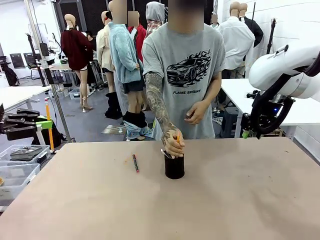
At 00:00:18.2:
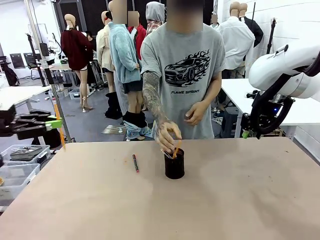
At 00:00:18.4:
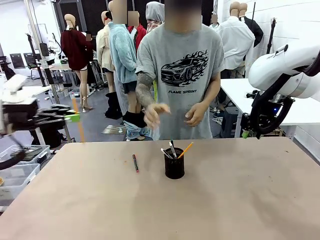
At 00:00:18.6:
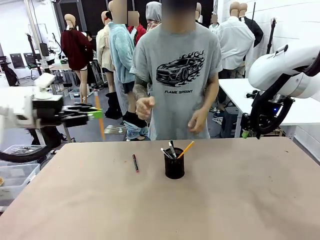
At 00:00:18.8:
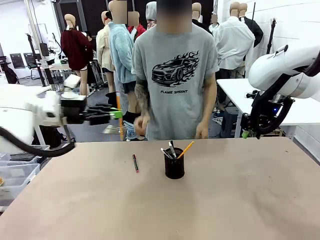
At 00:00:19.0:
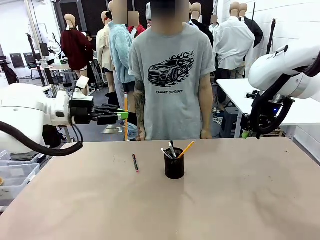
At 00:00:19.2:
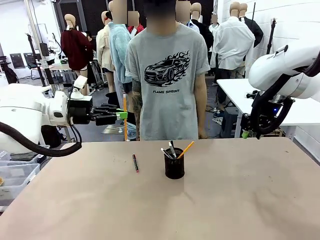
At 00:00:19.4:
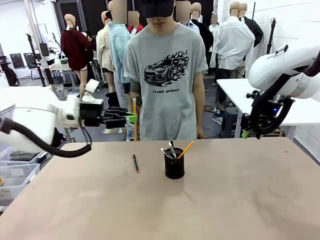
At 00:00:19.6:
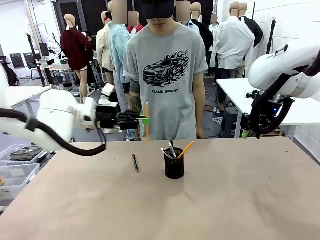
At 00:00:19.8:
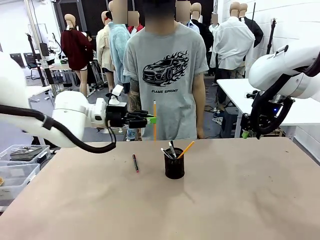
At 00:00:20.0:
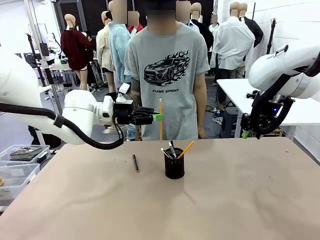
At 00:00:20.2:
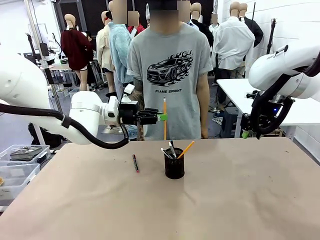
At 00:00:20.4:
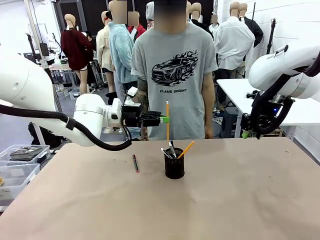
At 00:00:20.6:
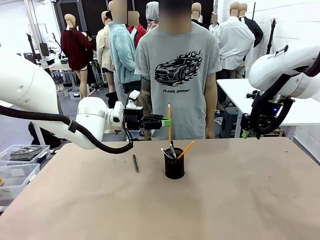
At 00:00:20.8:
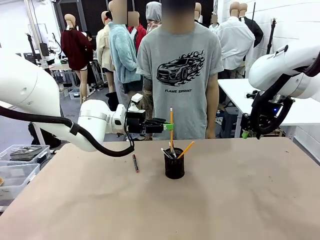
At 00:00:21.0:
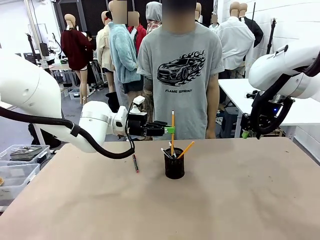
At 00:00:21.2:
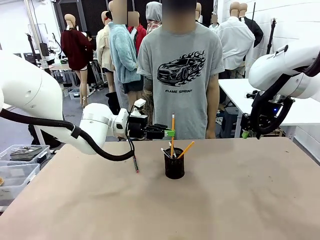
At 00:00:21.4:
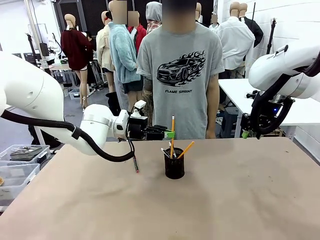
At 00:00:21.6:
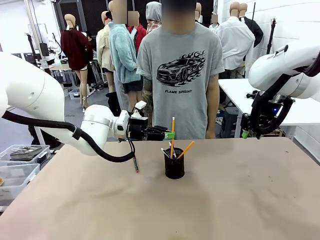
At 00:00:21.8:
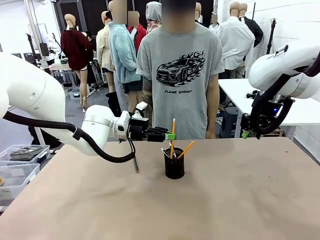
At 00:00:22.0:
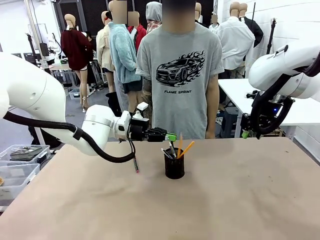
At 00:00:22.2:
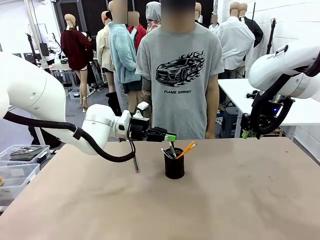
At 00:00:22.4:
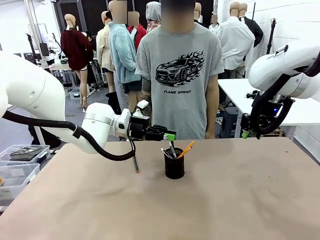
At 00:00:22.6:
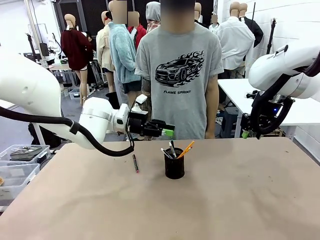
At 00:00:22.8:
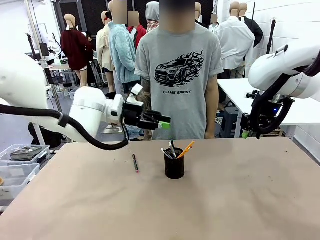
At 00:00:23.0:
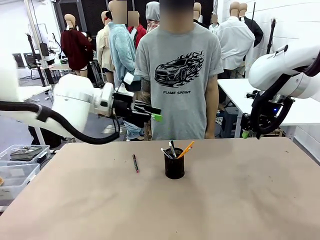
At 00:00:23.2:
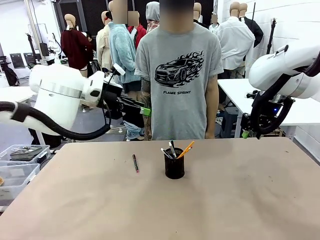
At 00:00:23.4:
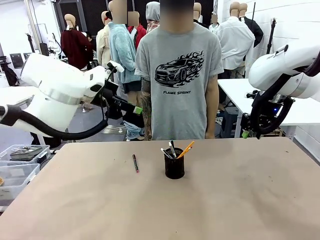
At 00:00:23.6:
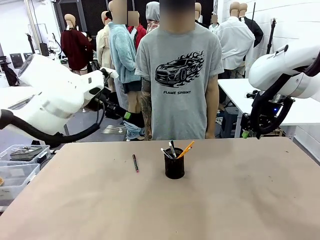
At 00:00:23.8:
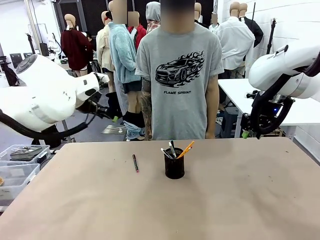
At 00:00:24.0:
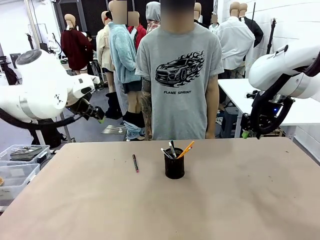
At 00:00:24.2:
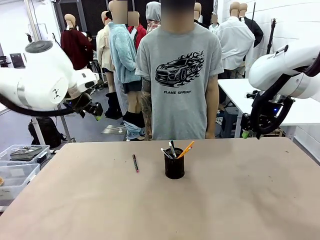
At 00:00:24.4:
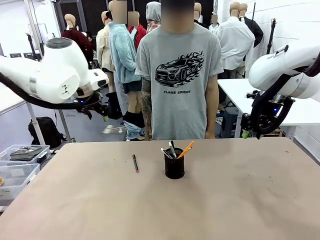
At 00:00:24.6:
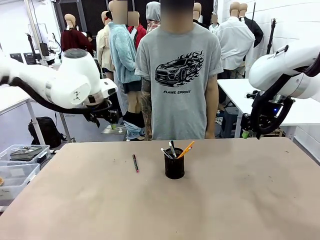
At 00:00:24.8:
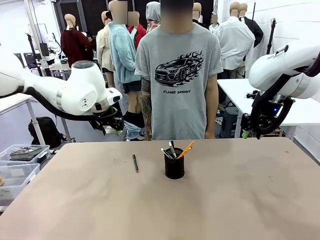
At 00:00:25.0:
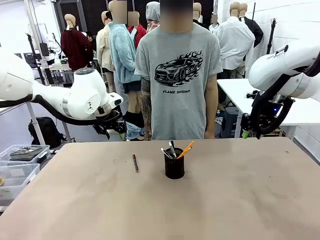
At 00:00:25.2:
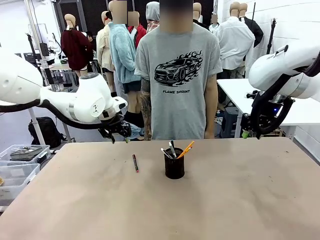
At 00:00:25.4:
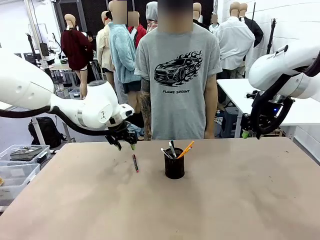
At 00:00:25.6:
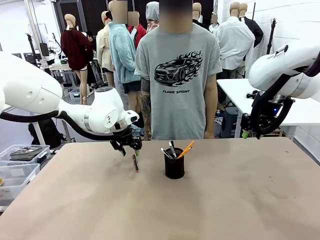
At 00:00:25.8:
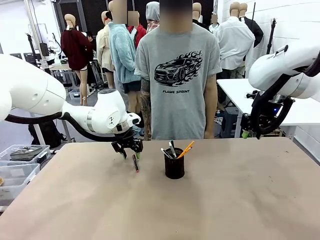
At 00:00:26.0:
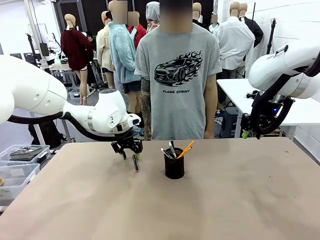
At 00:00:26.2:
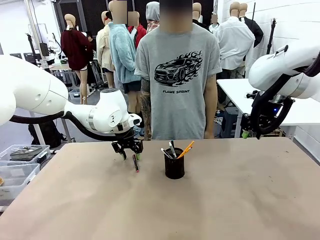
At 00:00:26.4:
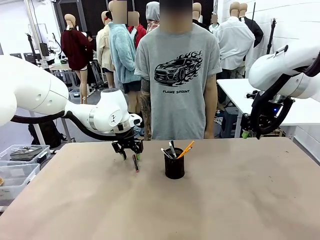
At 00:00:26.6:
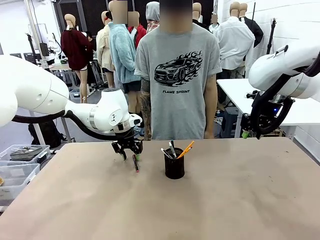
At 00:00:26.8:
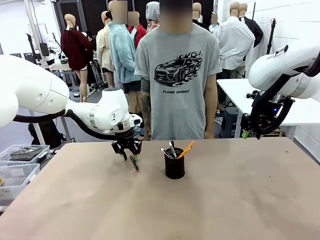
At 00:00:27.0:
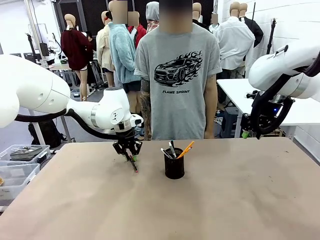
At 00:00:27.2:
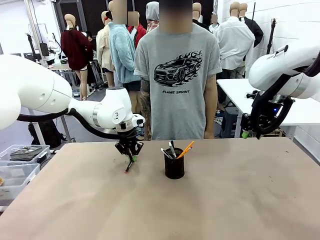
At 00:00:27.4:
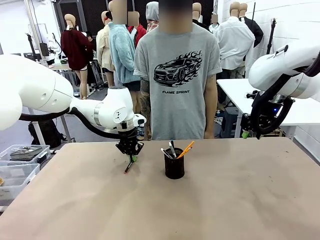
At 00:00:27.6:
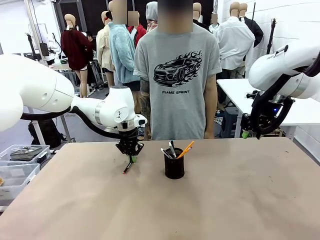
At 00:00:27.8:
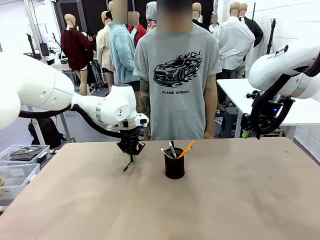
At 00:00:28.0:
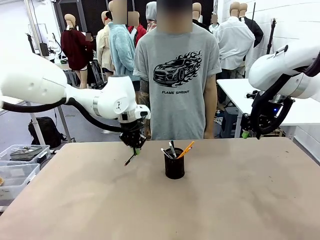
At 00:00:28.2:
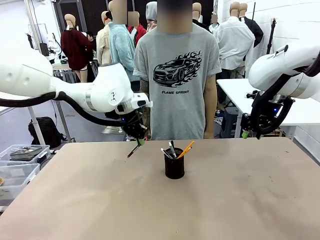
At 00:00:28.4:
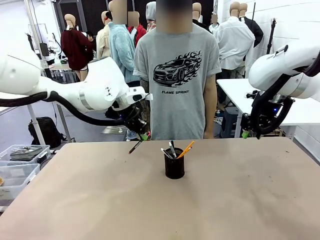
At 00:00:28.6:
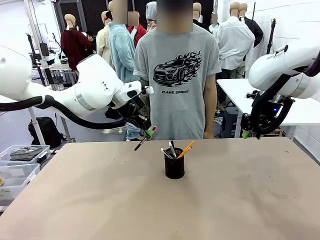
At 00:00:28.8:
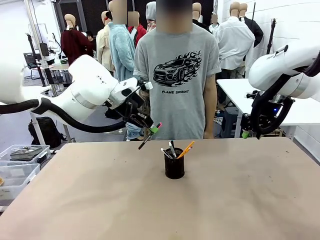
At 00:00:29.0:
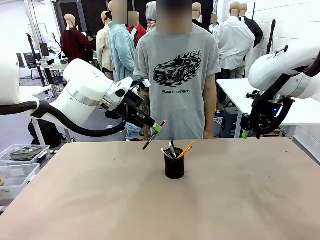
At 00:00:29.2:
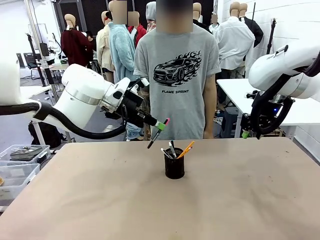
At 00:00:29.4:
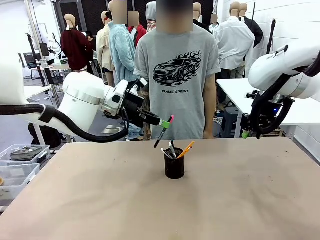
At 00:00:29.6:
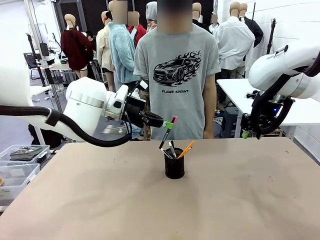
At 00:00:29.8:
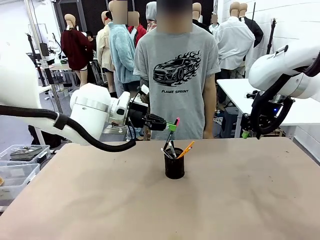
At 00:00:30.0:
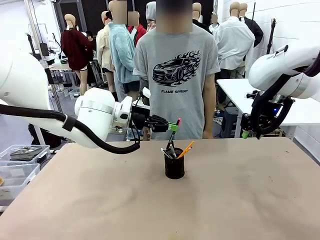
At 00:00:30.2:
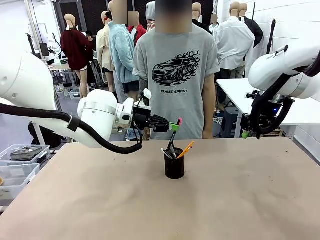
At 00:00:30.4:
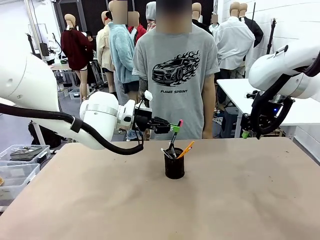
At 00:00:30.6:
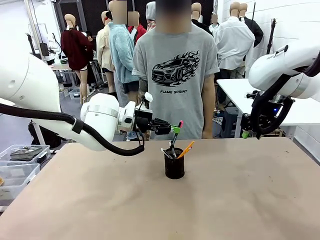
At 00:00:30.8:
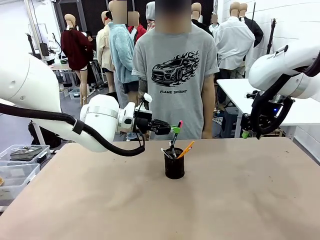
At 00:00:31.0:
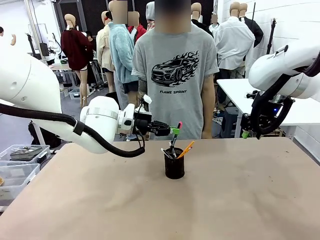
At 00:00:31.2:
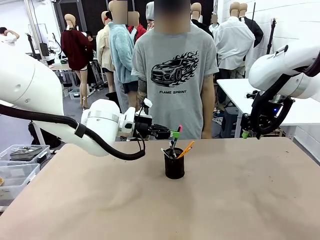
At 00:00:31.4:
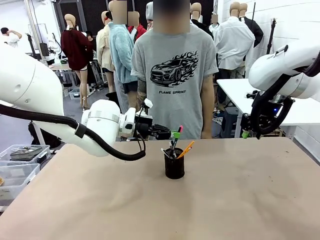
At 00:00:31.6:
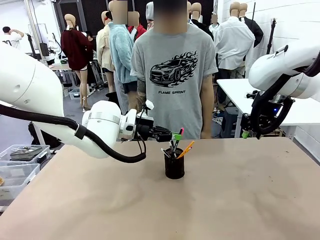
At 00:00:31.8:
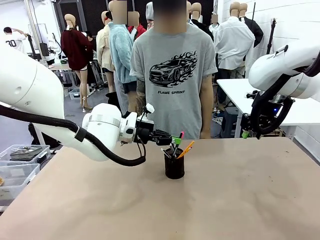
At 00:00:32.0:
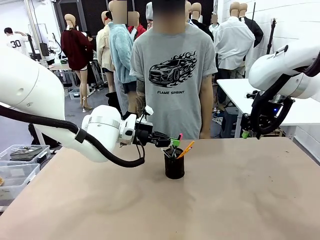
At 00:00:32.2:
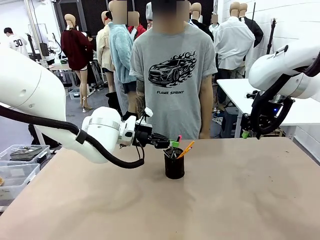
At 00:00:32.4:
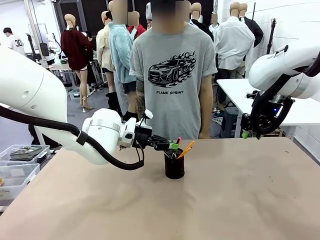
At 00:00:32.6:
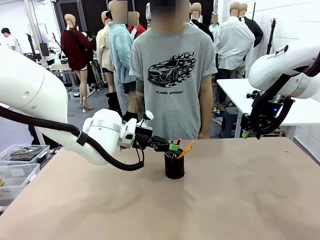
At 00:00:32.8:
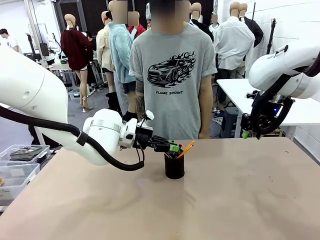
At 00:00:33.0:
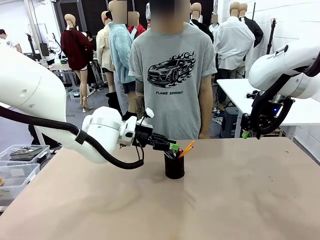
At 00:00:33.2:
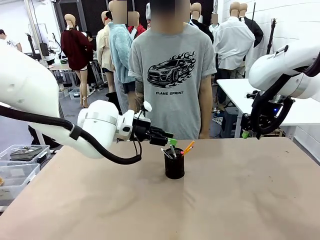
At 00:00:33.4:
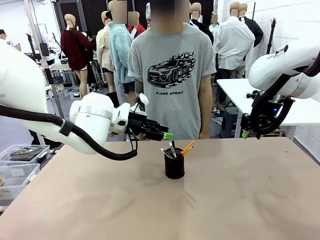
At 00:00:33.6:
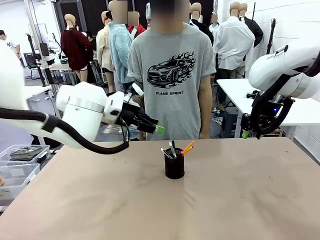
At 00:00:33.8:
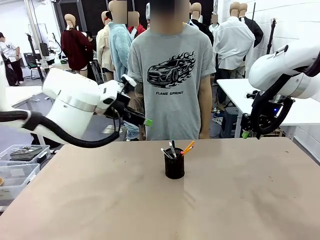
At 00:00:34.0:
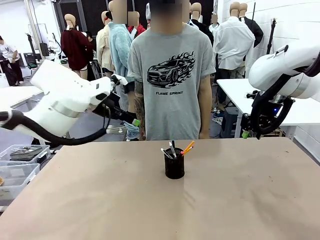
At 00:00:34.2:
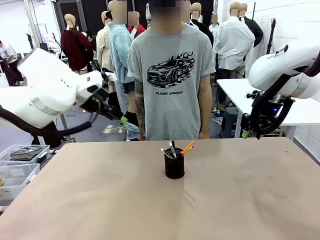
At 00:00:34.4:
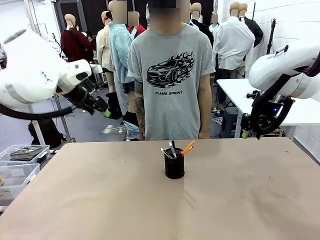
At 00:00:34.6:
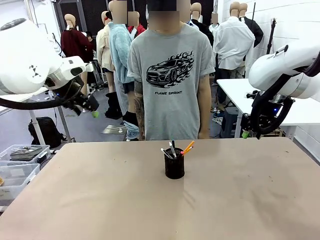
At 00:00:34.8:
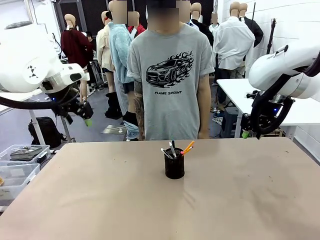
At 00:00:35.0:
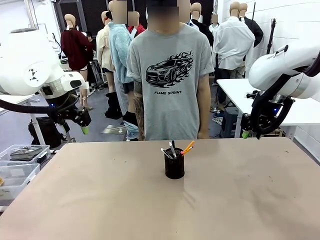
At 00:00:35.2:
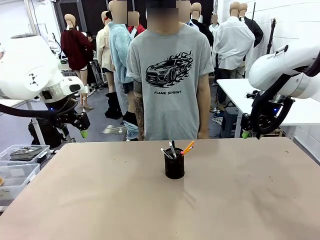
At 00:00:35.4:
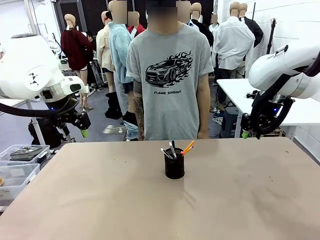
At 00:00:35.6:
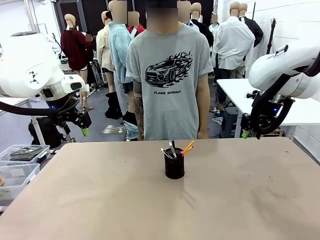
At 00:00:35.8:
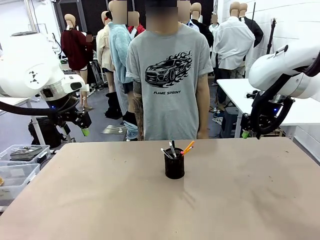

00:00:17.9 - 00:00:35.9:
Task: Place the pens into the pen holder.
Robot: Pick up a writing instrument from the table and place it into the Pen holder.
Person: Place all writing instrument into the Pen holder.
